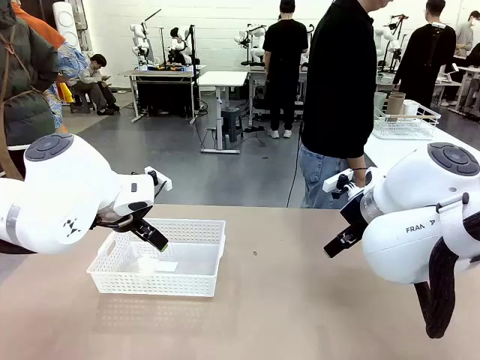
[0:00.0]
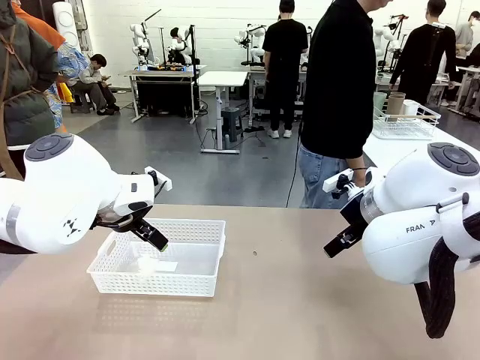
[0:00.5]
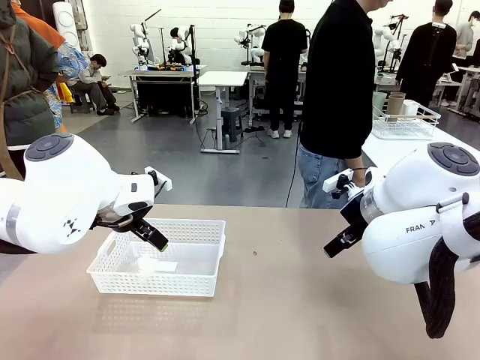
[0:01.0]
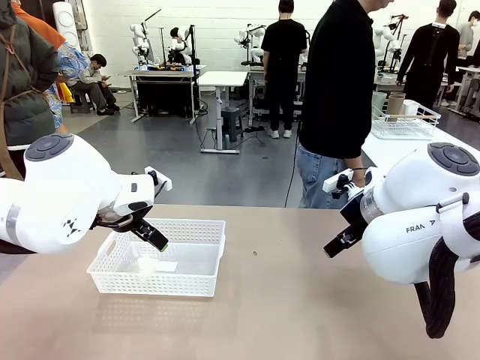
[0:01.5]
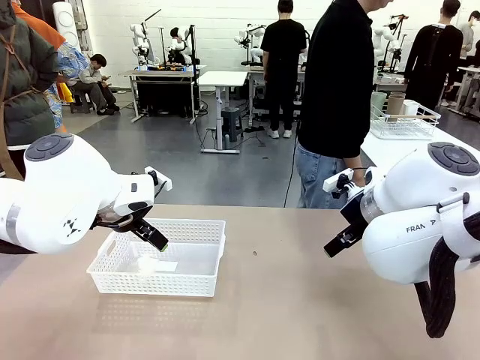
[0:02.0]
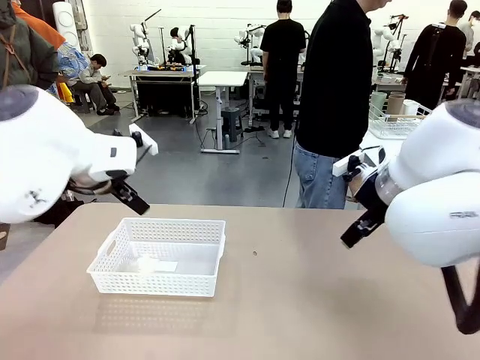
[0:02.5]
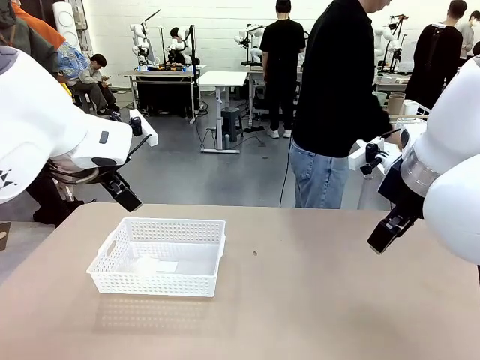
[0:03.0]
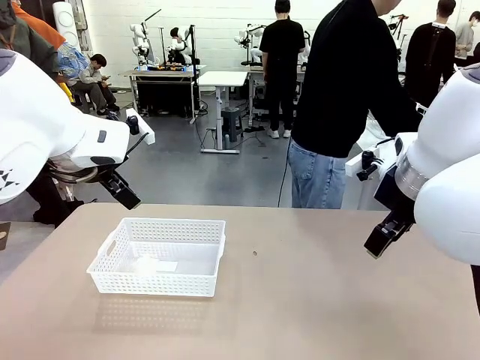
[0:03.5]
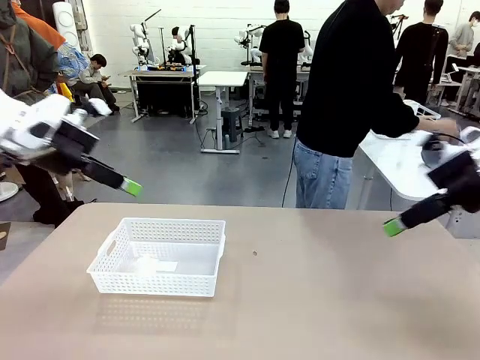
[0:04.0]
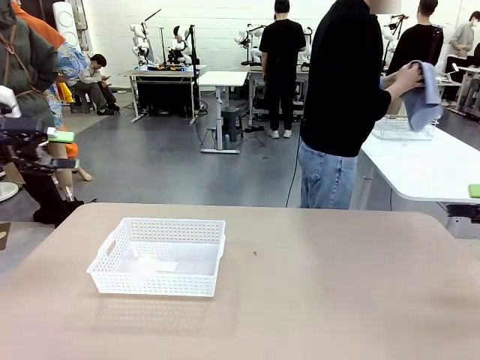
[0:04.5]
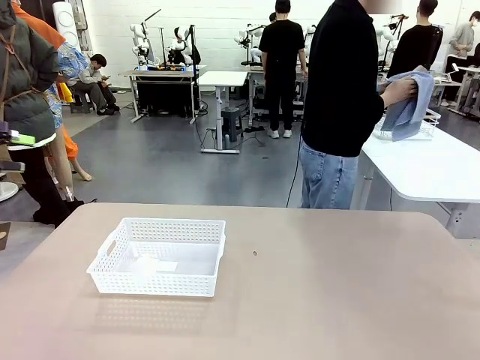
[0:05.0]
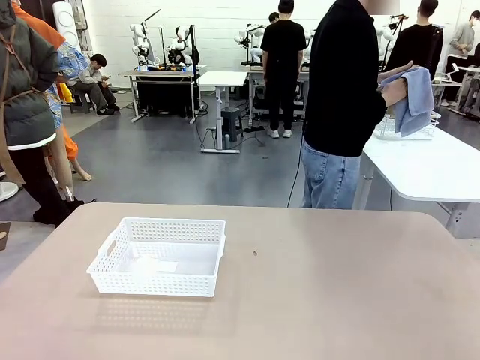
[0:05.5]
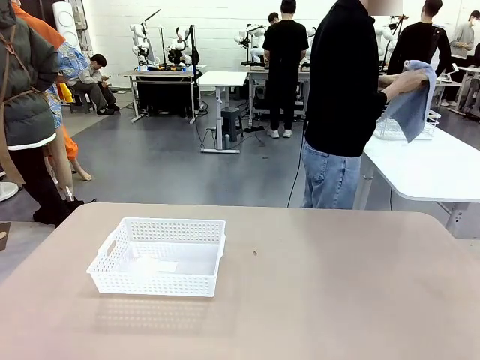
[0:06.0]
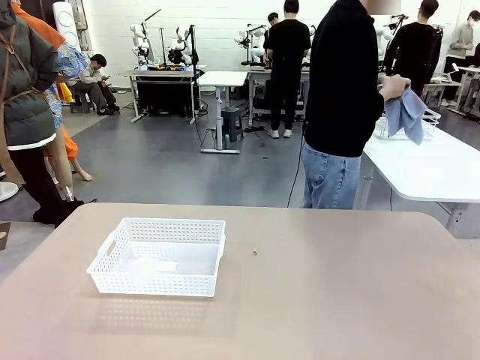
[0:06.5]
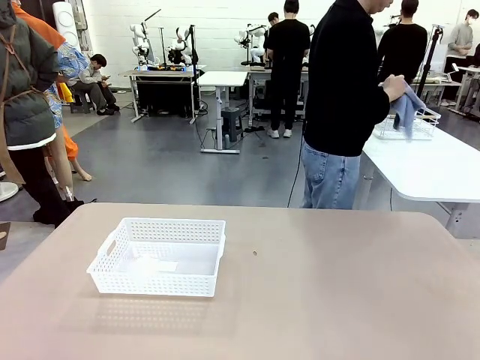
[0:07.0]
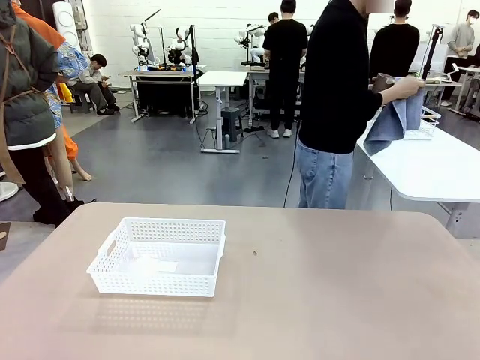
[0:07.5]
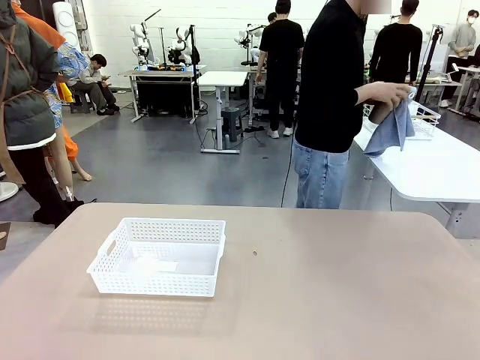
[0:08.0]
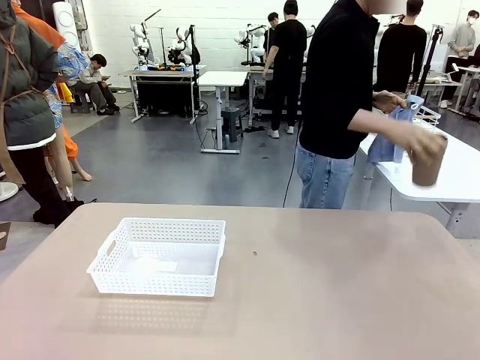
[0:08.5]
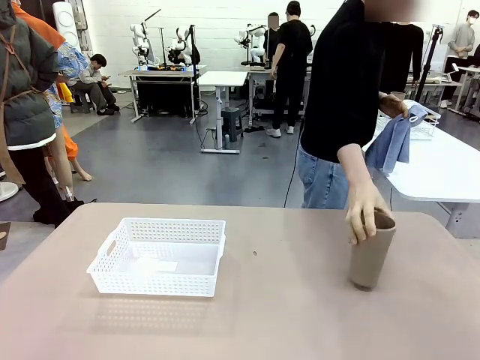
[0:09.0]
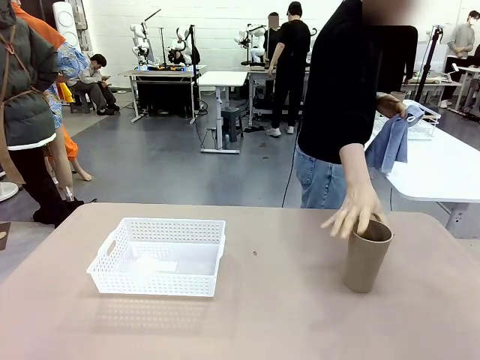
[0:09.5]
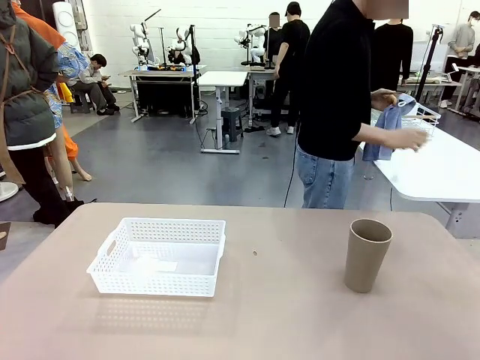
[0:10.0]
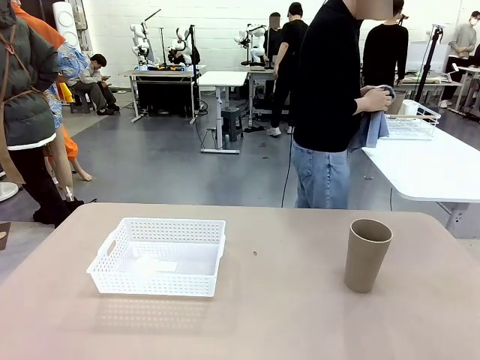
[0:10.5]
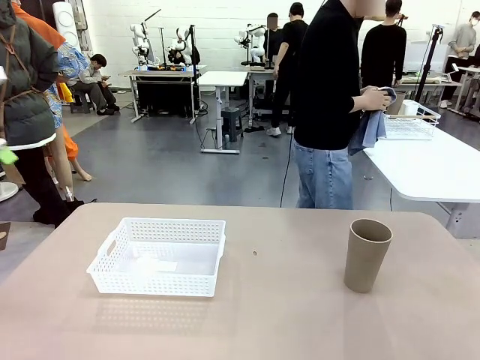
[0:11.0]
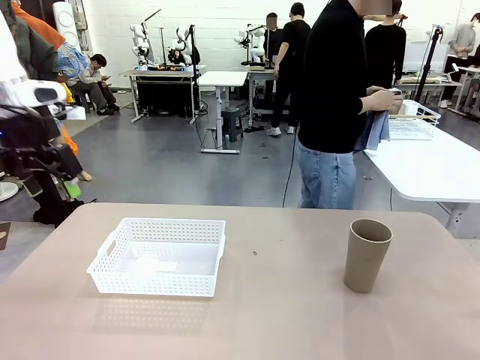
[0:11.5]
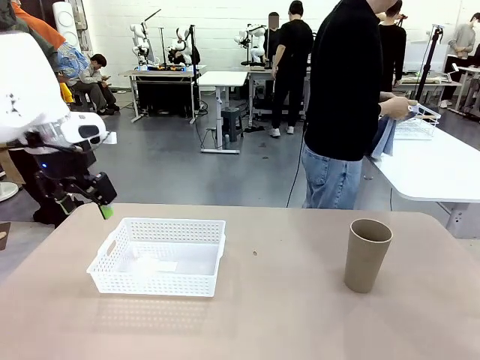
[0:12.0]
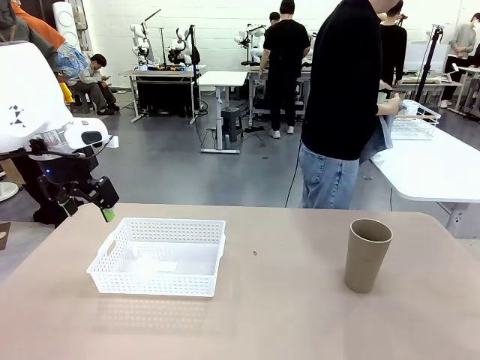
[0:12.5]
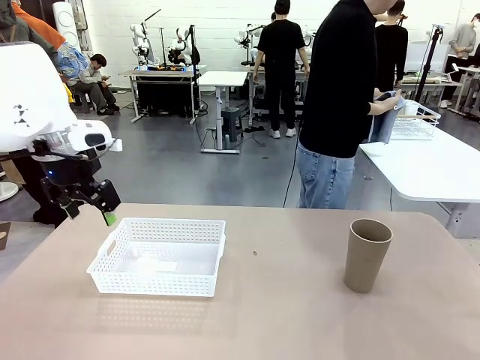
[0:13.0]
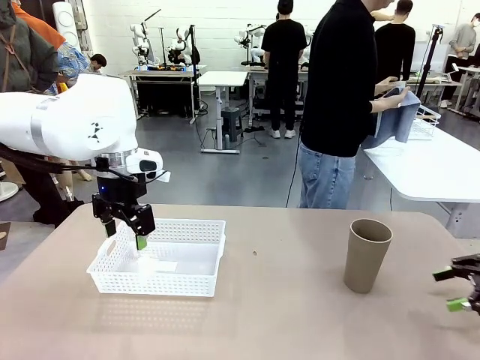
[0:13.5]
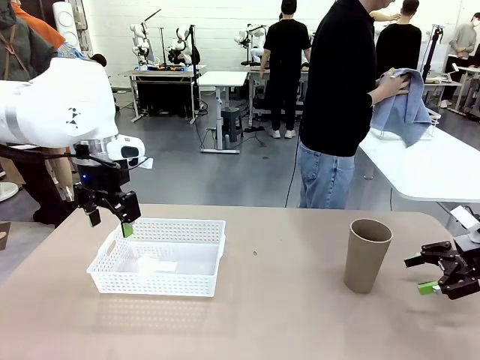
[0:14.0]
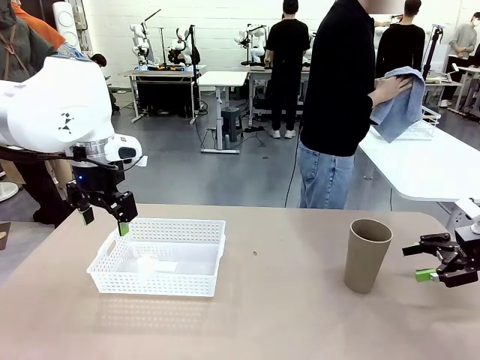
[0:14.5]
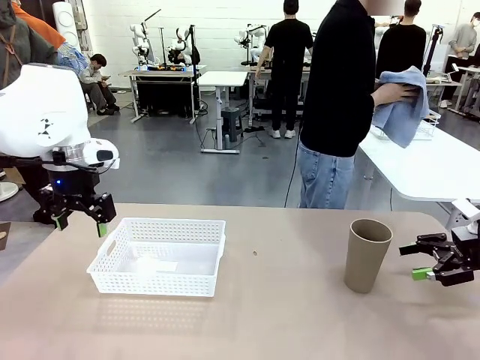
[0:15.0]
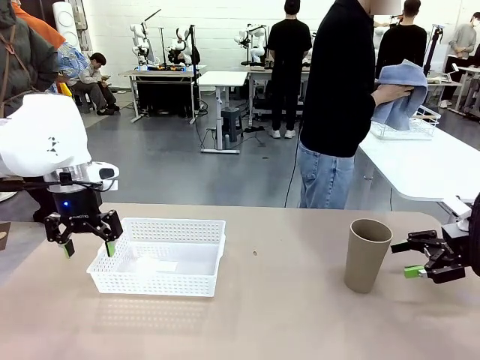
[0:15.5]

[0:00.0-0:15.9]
Task: Clean and organize the cups into the basket.
Robot: Pick up the Organizing basket and move it to the center of the table, then pick up the Reusable plastic cup from the right side of the table and place it inside the Organizing basket.
Person: Picks up a cup and a towel, cleans the cup with the towel, and places it on the left side of the robot table.

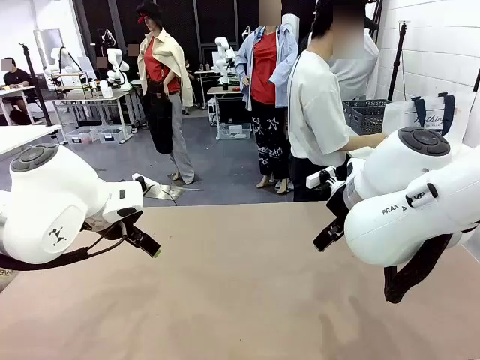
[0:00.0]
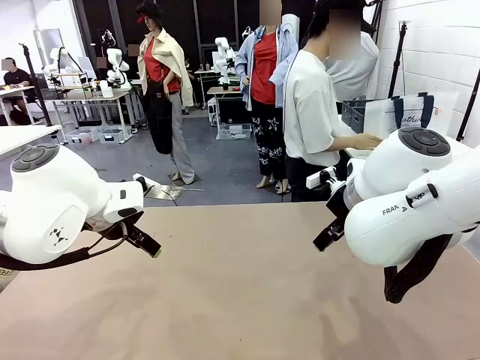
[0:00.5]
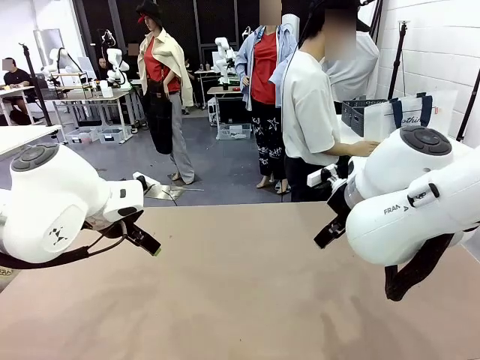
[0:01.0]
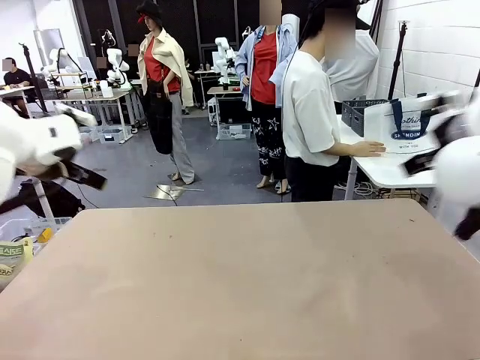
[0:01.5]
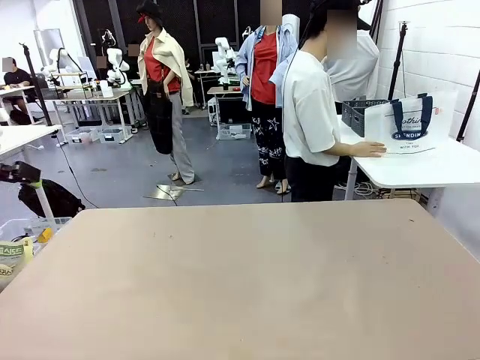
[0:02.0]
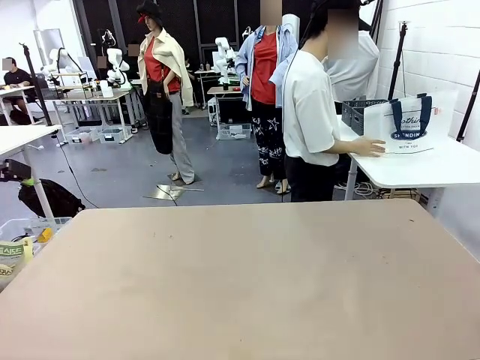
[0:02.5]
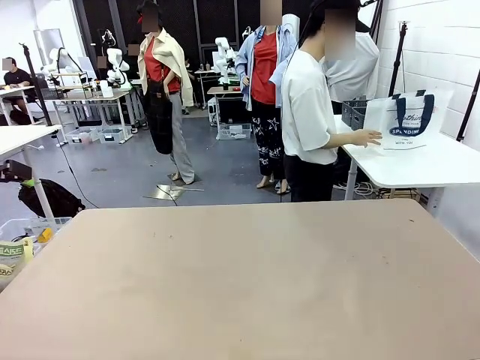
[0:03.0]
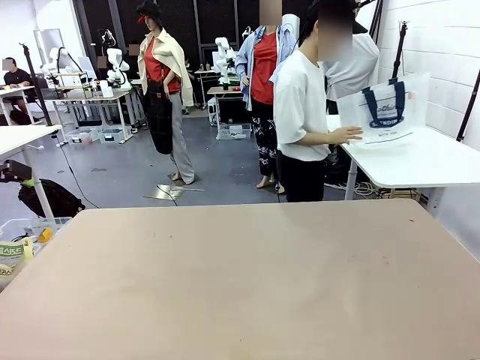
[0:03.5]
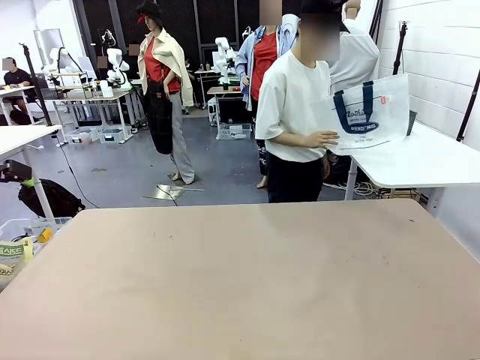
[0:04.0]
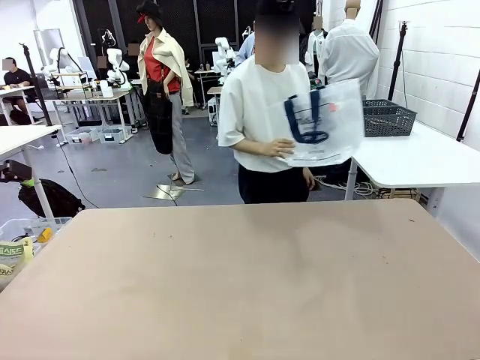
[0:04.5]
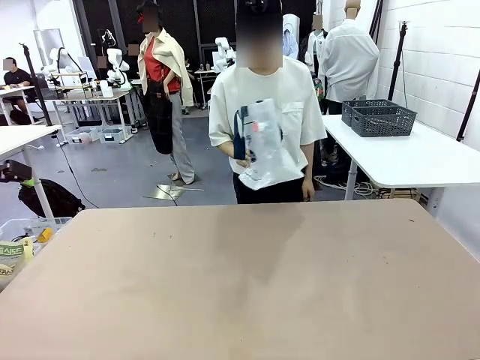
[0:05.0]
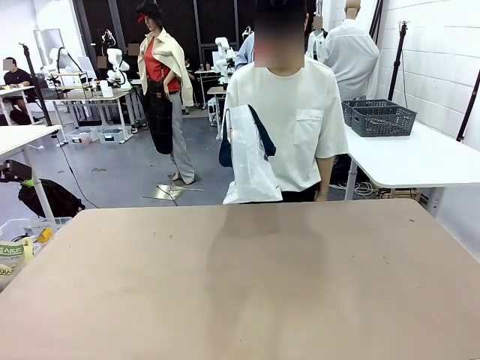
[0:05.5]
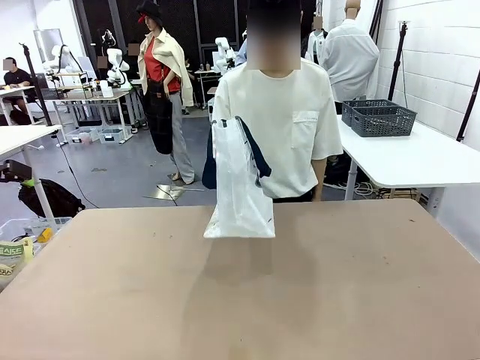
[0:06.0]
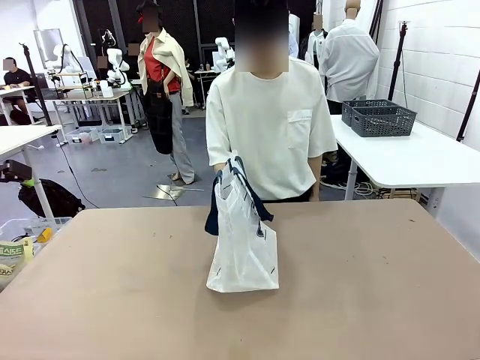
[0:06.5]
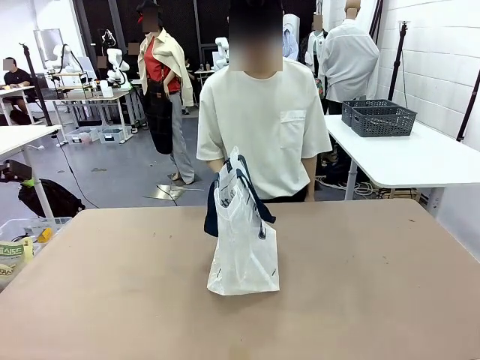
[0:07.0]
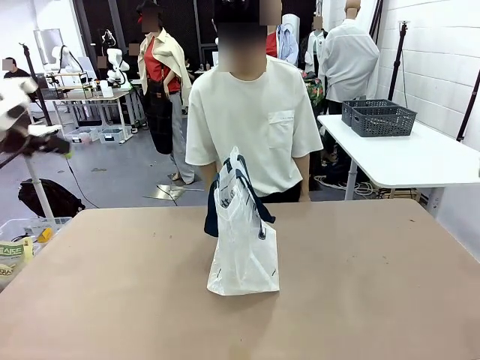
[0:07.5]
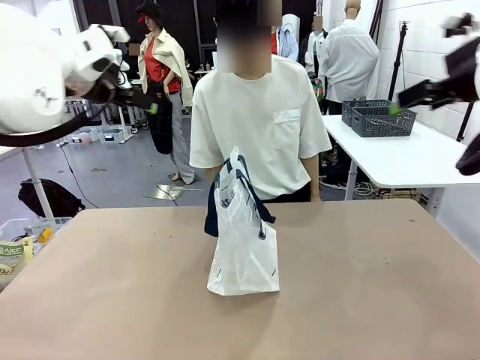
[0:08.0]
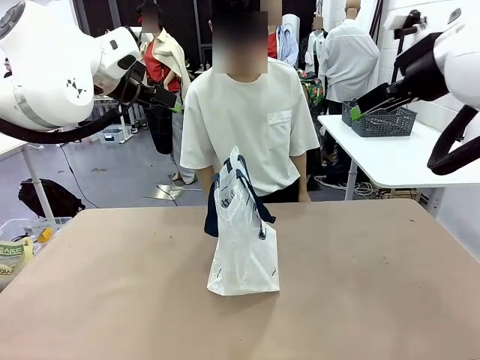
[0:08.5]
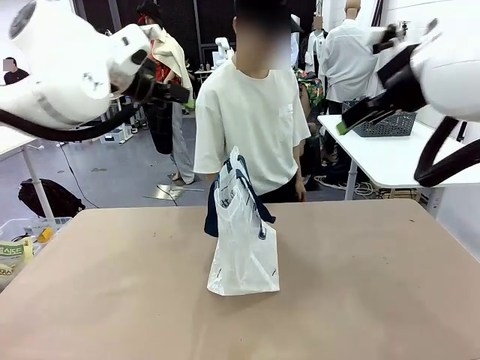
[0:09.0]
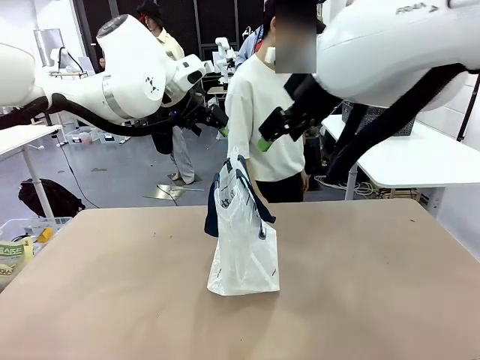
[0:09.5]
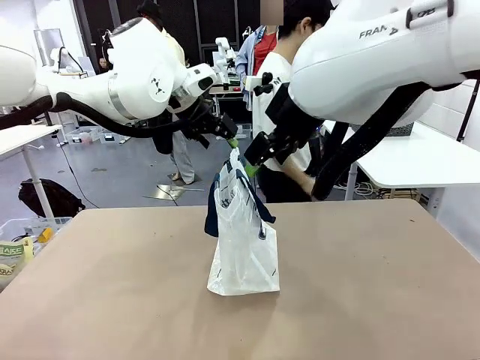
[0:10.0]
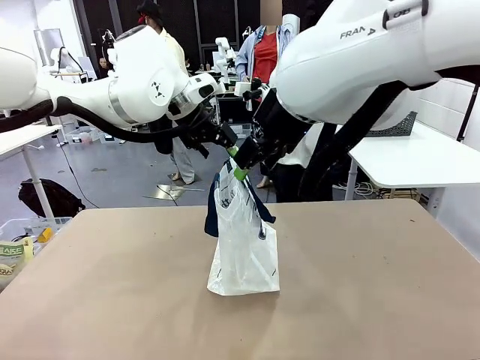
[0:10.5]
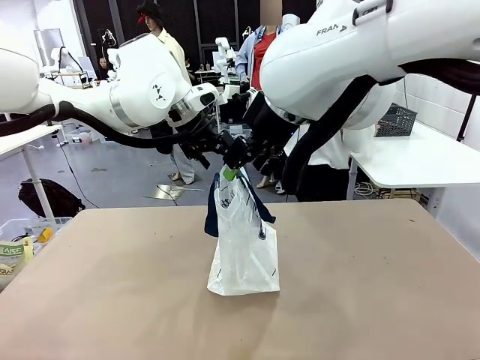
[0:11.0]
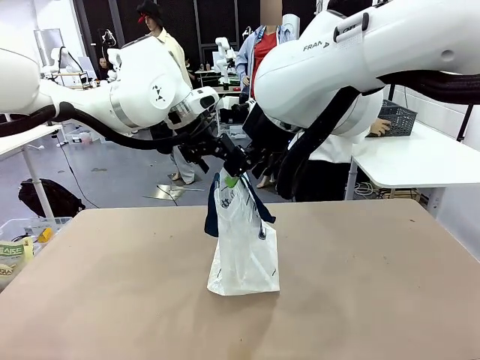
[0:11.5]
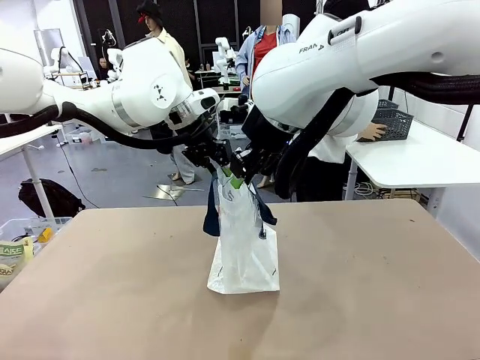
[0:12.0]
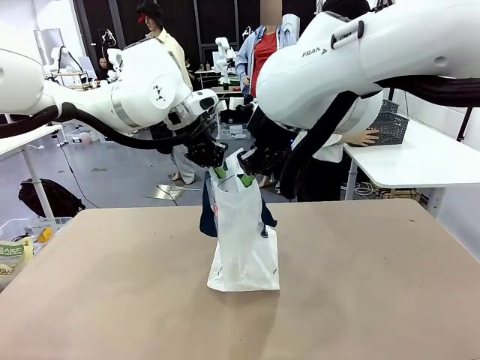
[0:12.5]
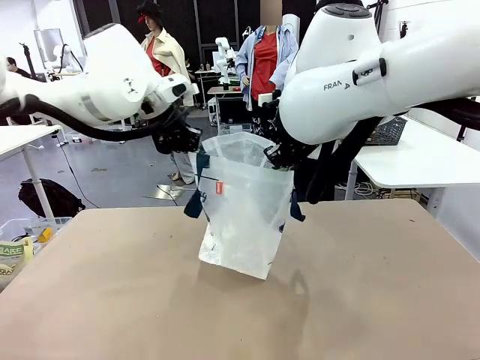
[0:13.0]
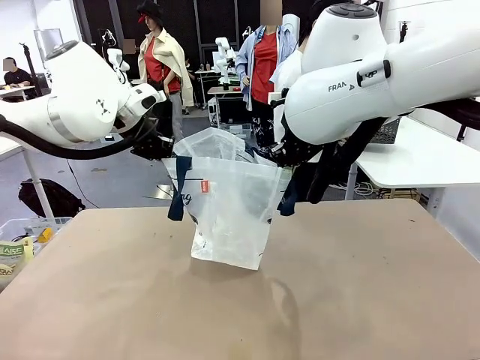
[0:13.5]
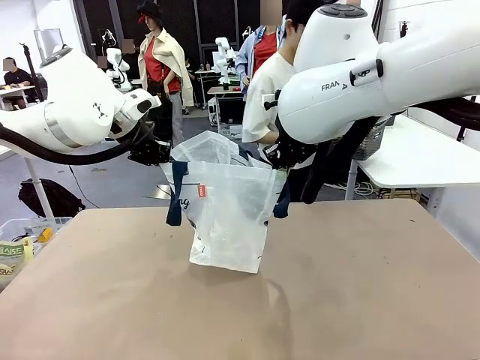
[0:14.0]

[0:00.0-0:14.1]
Task: Transfer purchased items from the store into the shopping bag.
Robot: Open the Reusable shopping bag in the center of the table.
Person: Pick up the shopping bag and place it in the middle of the robot table. Pick up the basket on the right, place it on the left side of the robot table, and move the items in the basket to the shopping bag.
